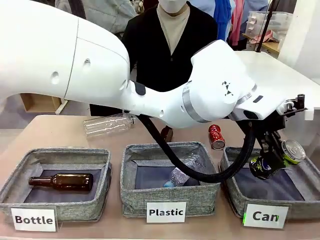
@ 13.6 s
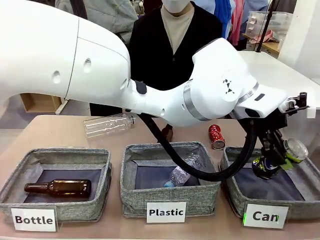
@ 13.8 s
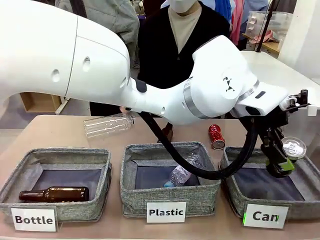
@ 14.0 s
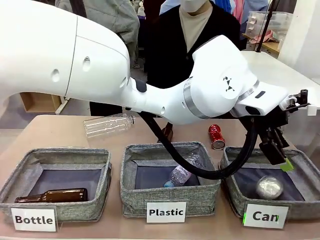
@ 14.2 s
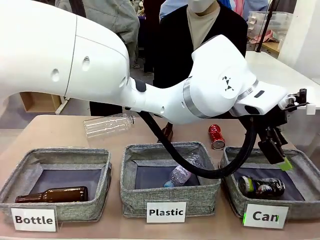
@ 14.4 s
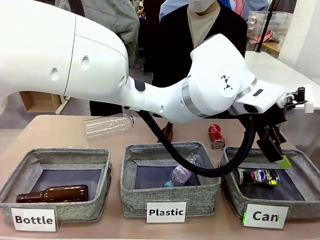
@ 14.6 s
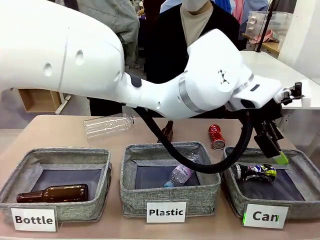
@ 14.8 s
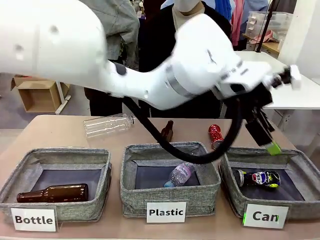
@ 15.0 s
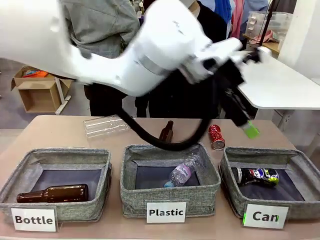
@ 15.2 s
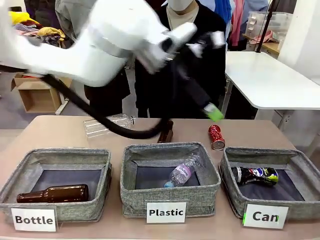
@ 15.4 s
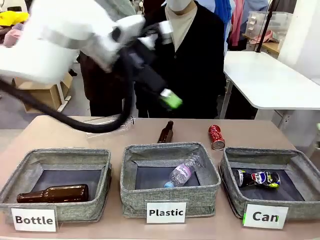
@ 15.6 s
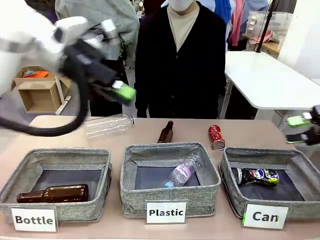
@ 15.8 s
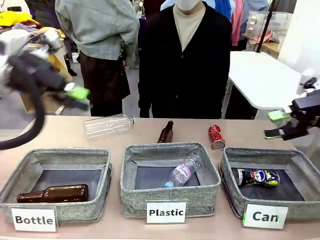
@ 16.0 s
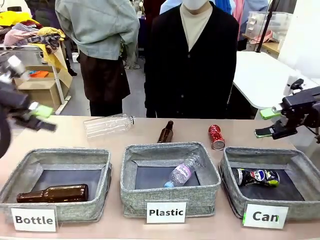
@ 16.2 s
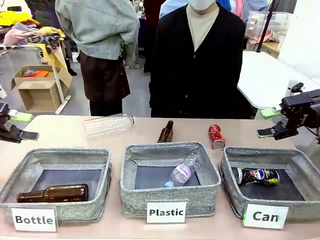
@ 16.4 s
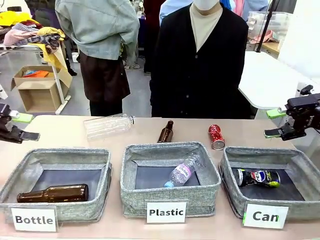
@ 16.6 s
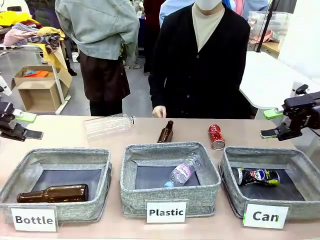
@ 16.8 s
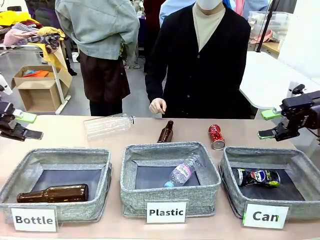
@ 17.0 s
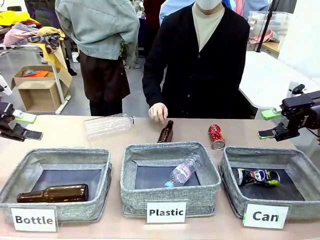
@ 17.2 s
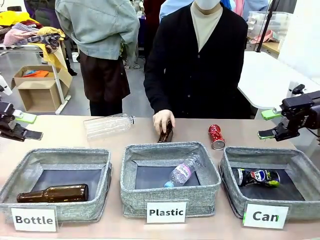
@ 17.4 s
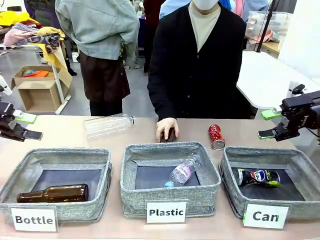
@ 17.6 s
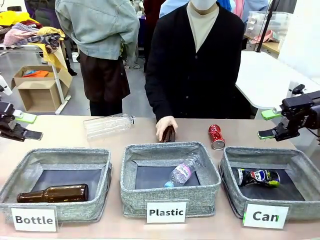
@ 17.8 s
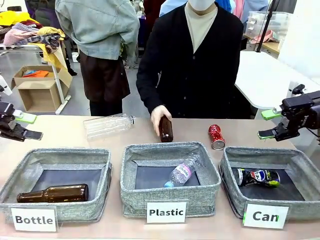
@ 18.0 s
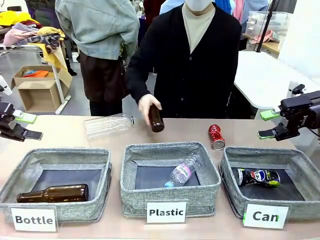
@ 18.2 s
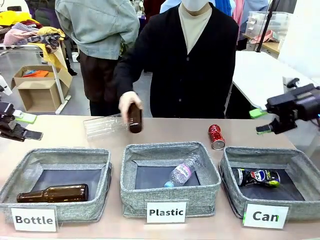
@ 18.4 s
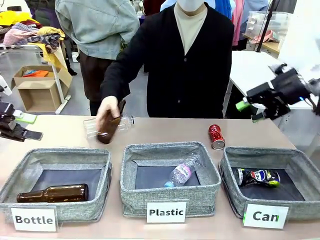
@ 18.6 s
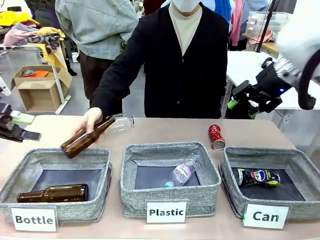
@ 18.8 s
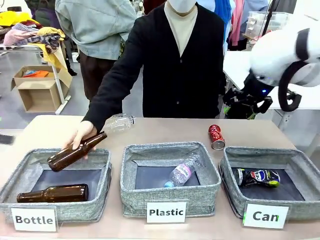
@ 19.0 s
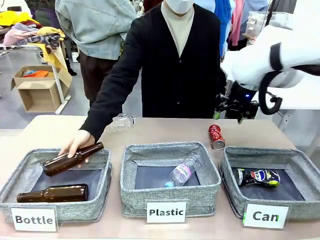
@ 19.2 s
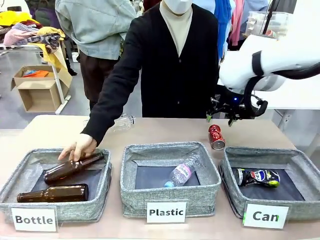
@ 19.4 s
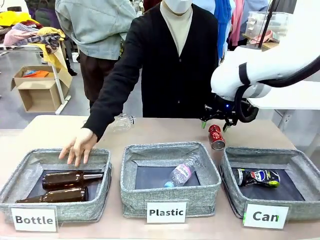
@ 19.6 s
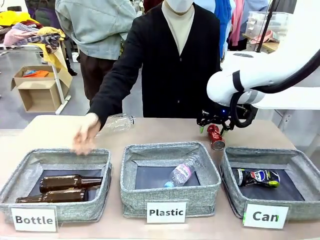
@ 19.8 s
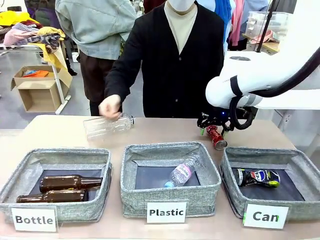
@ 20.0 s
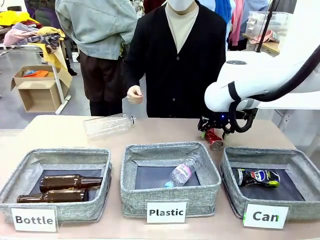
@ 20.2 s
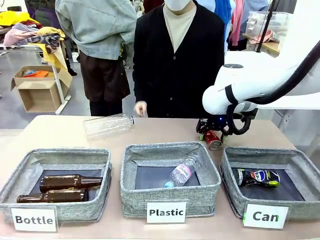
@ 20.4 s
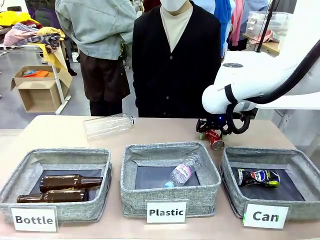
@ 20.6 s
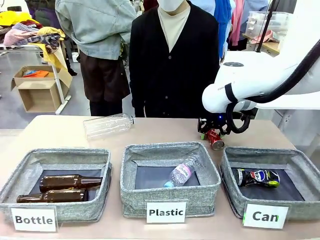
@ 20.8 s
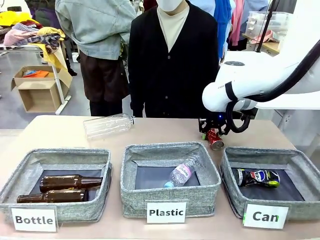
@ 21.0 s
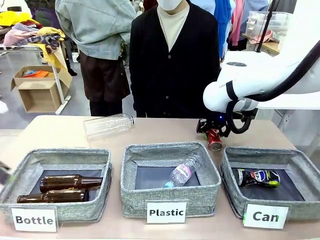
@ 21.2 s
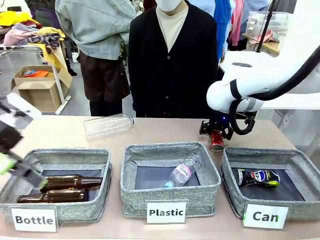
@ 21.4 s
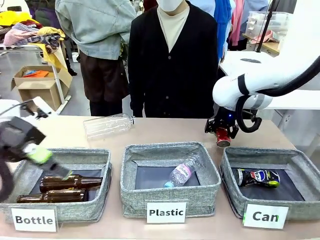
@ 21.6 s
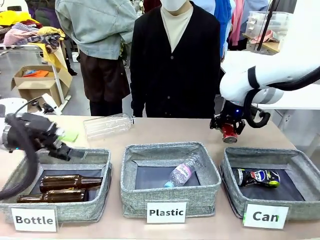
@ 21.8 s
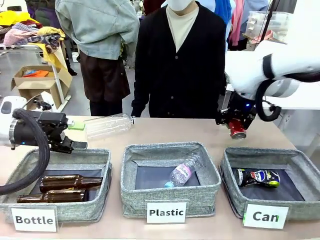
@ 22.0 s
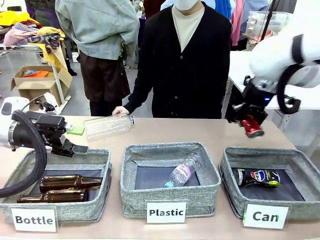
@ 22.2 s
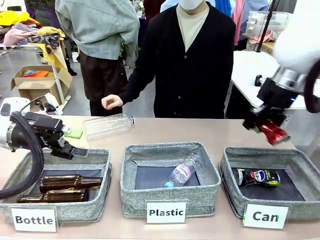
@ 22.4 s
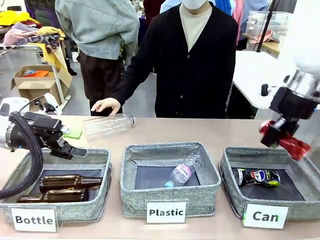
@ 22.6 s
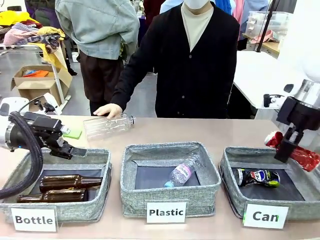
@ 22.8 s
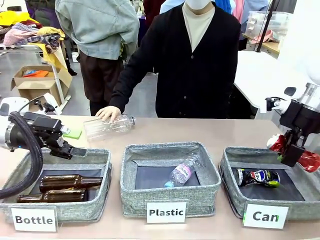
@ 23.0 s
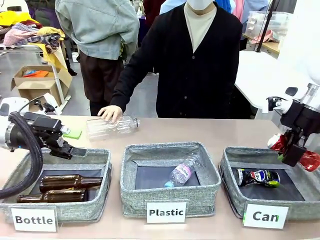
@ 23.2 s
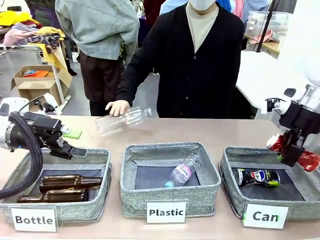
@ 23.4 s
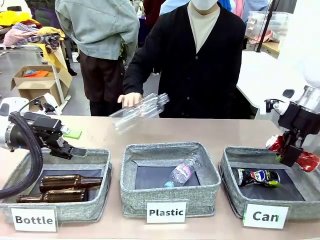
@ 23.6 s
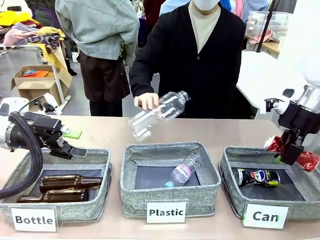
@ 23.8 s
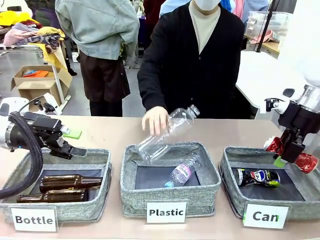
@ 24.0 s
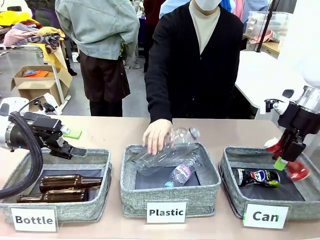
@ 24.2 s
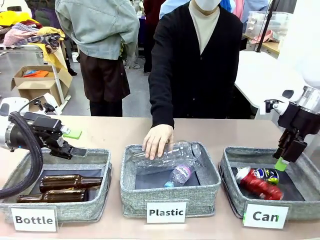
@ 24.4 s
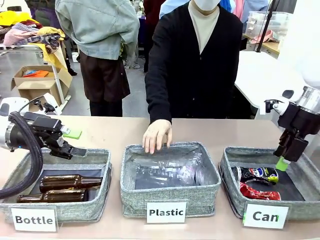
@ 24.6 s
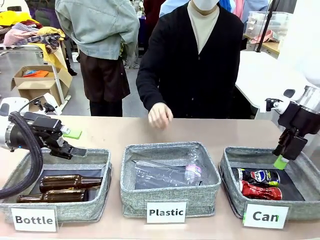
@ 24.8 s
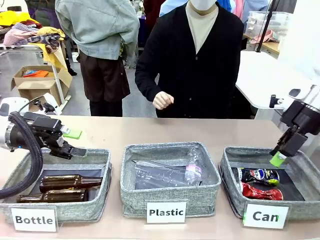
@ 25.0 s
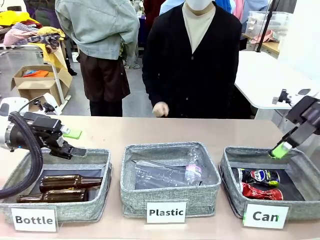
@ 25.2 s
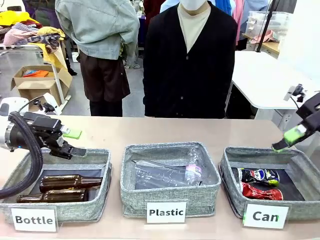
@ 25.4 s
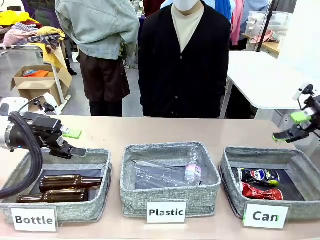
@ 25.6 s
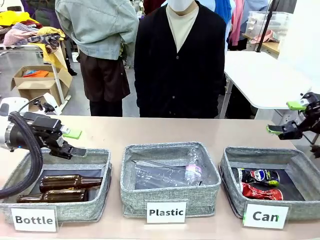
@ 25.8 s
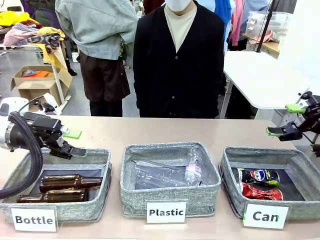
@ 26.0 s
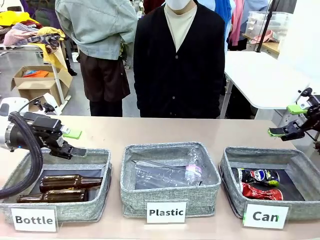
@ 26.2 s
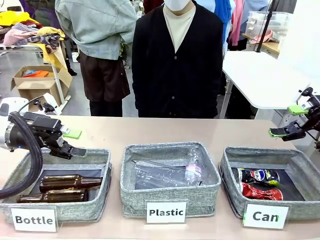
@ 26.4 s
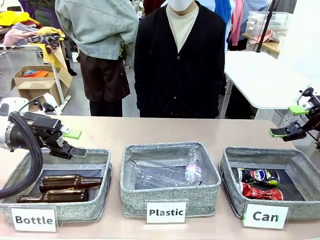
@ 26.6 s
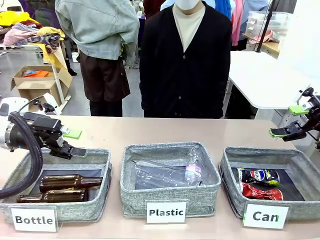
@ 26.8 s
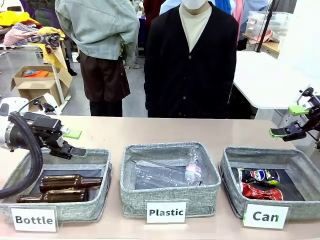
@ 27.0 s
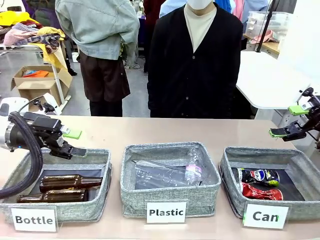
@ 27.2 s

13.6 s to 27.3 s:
Task: Sort the can waste into the basket.
Robot: Pick up the can waste from the table and place it in the right Fabric basket.
Person: The human picks up one piece of trash that is not a can and places the trash into the appropriate organizing basket.
